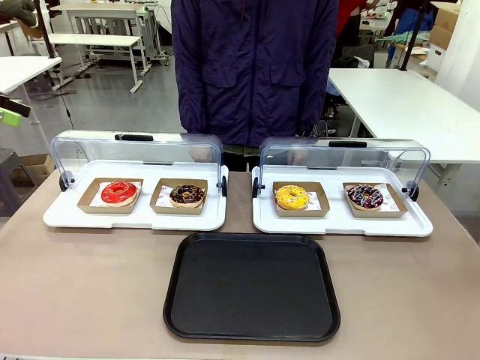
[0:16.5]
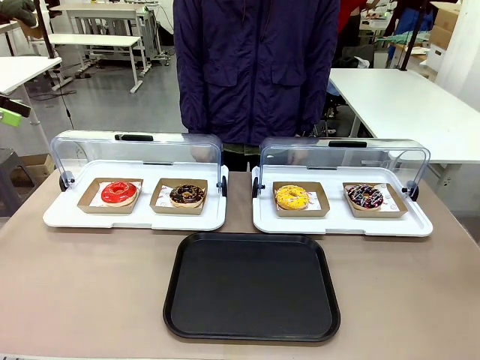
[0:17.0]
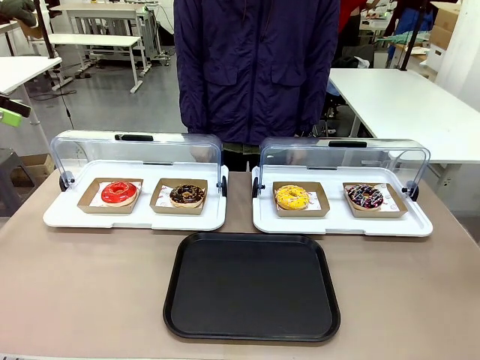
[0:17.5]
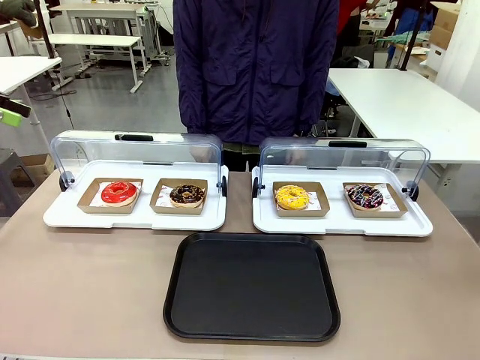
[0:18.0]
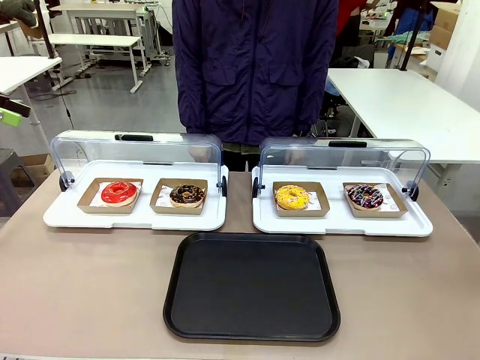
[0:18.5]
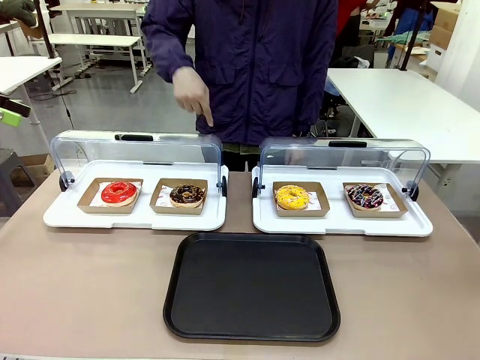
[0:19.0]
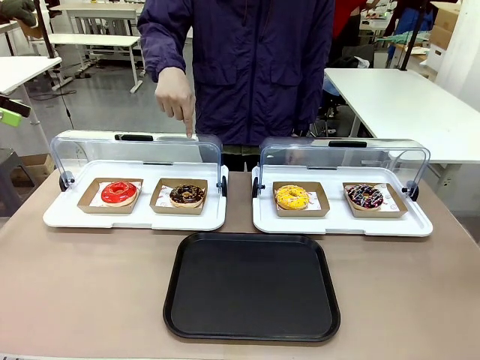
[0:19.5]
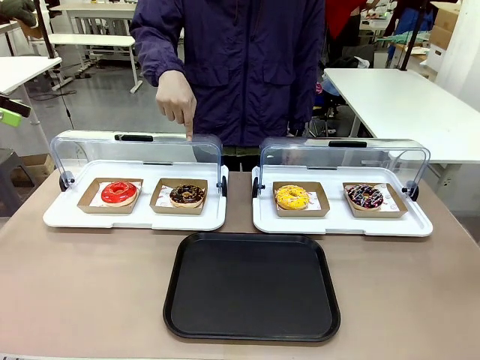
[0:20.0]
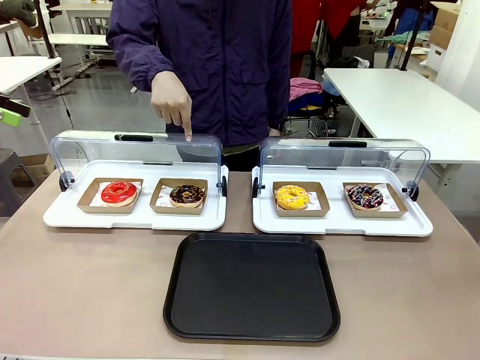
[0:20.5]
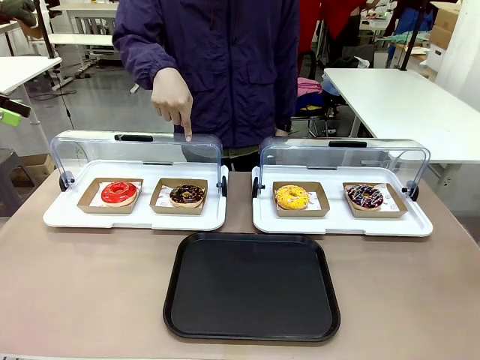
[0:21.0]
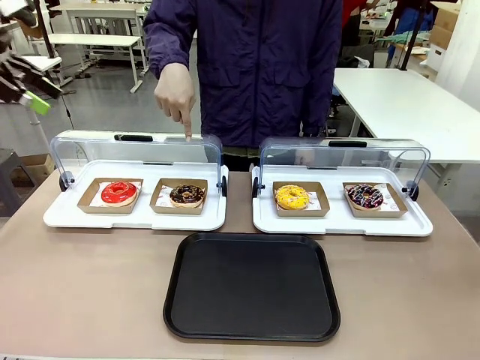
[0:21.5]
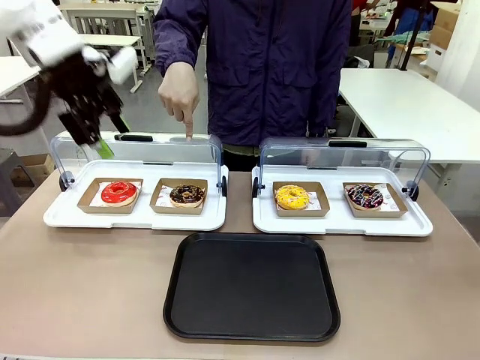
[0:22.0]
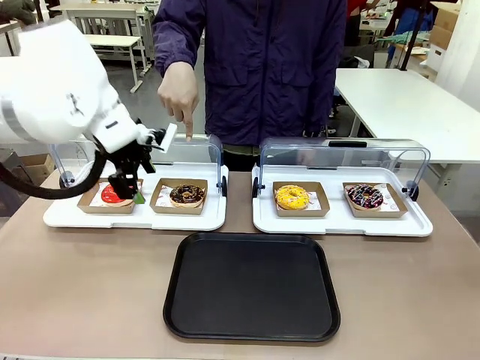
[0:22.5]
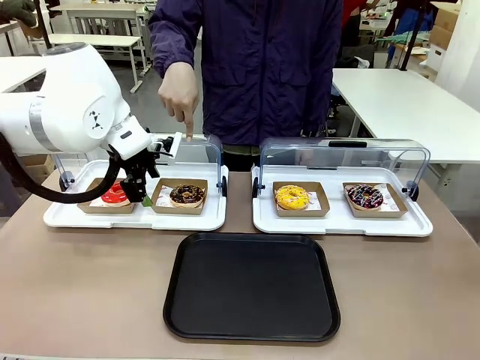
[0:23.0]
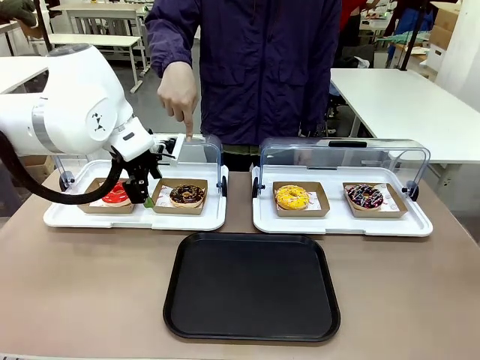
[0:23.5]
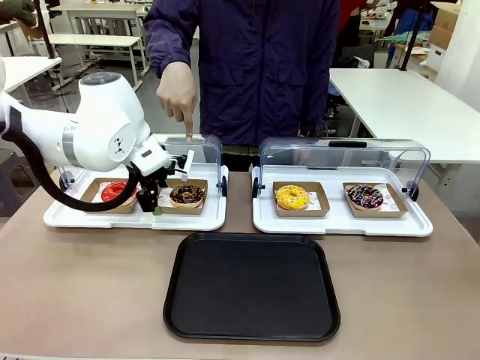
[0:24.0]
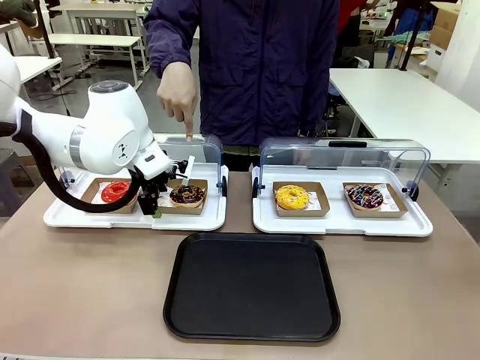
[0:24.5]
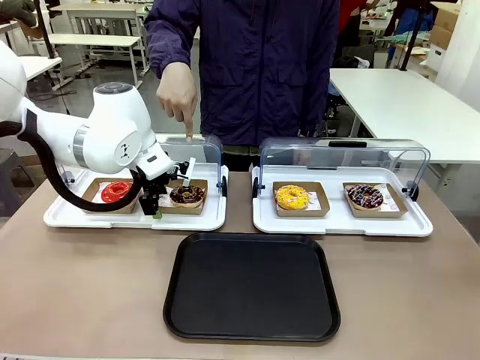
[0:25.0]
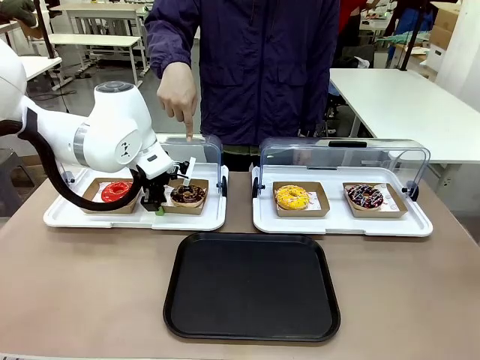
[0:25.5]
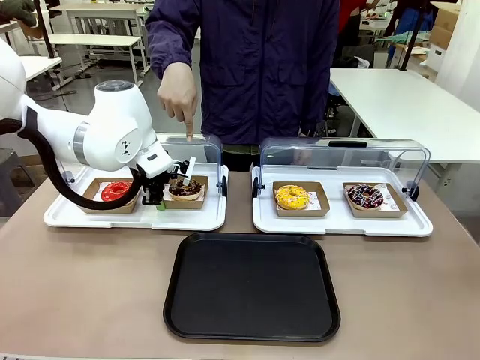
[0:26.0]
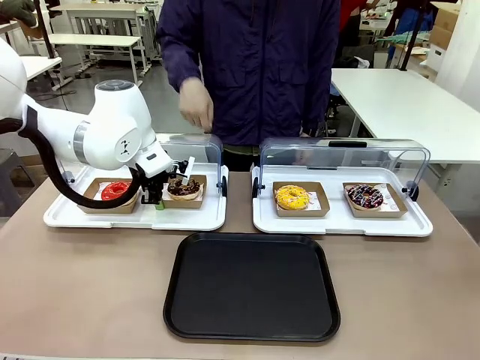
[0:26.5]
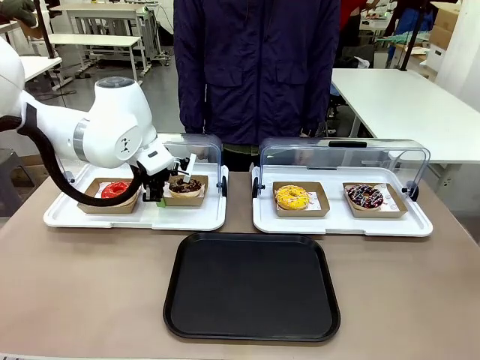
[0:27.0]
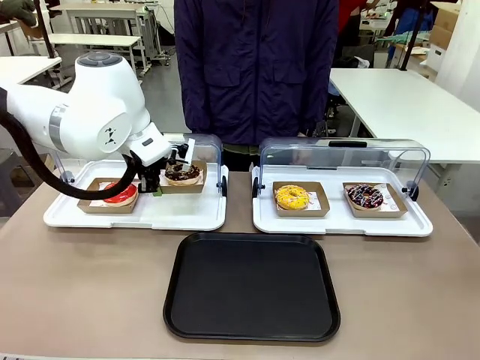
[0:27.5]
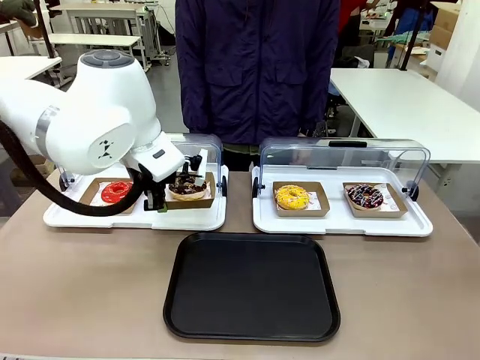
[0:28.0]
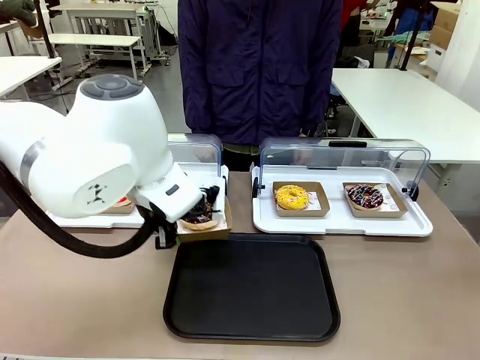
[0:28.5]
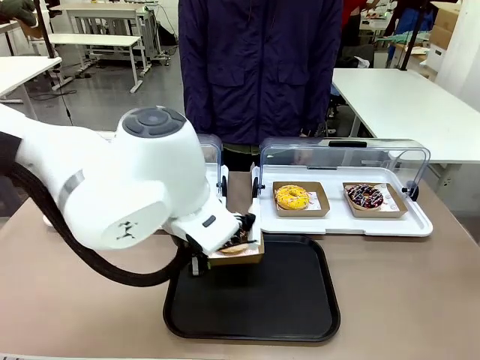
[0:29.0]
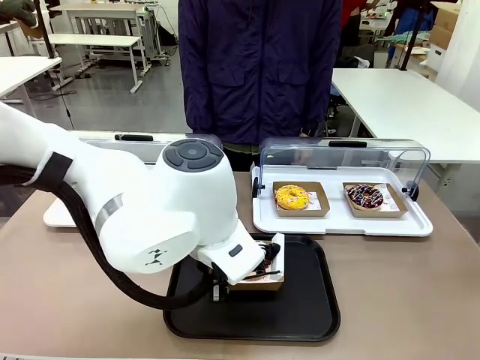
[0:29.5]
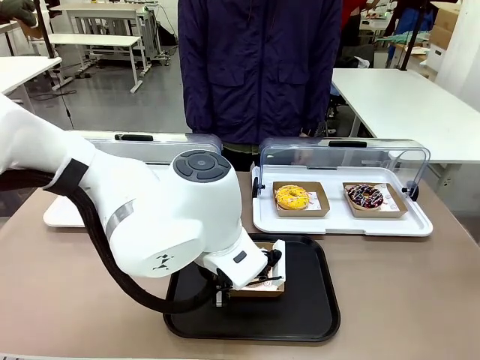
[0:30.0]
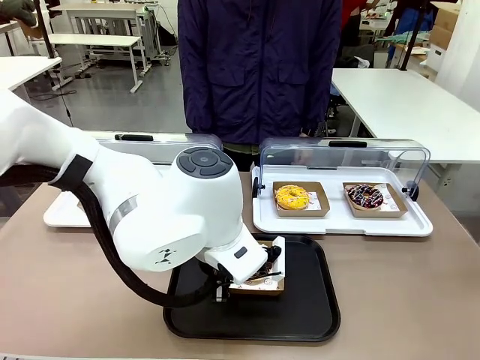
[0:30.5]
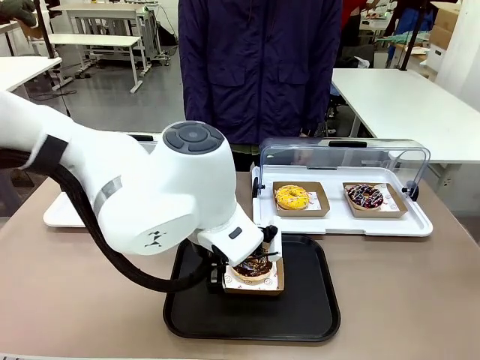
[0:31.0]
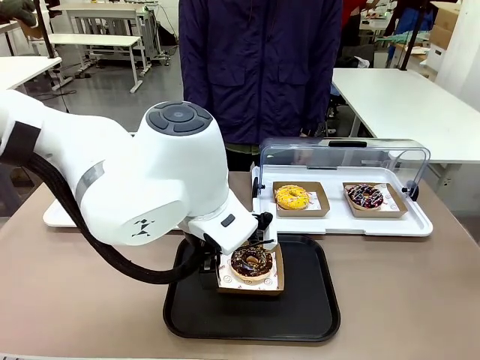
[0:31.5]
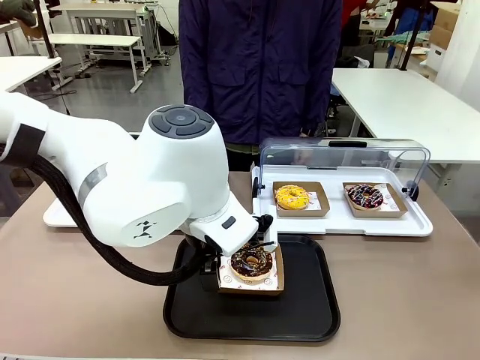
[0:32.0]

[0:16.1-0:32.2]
Task: Move the second donut from the left to the tray.
Robot: Pick up the Paper togo box containing the Donut indicated by the person and place it on the Handle tray.

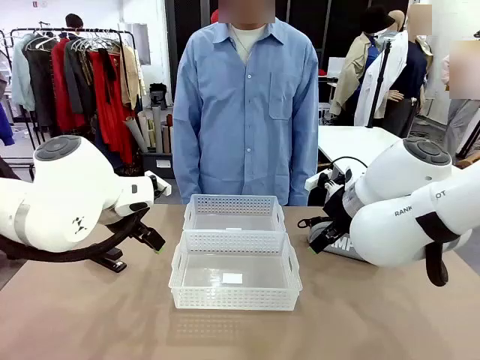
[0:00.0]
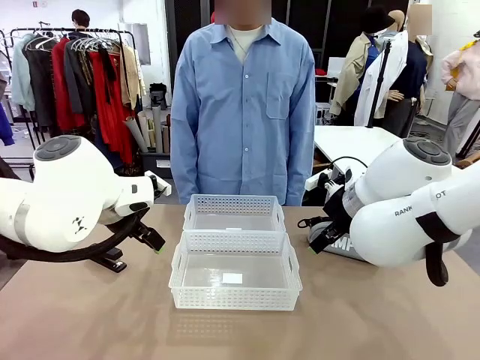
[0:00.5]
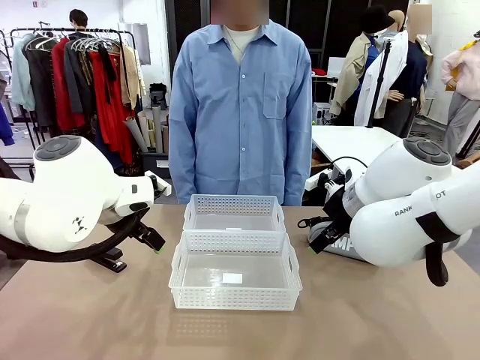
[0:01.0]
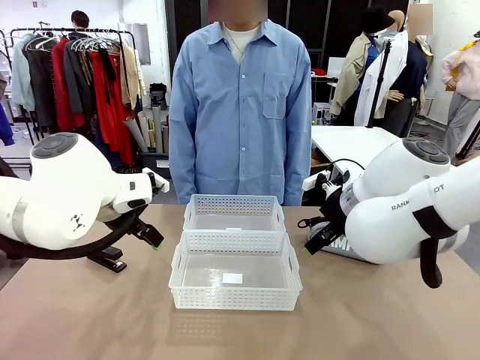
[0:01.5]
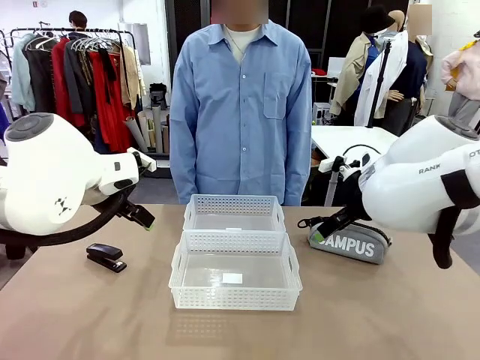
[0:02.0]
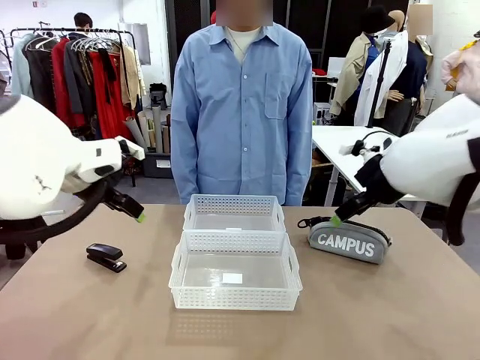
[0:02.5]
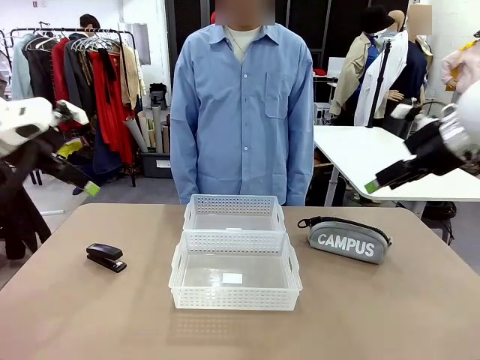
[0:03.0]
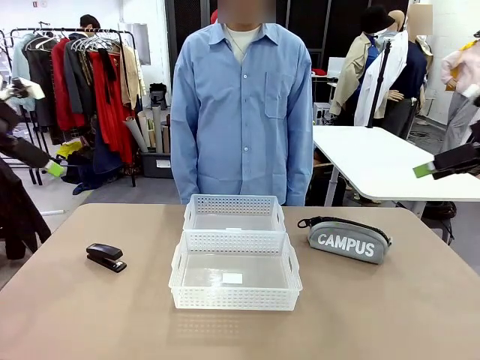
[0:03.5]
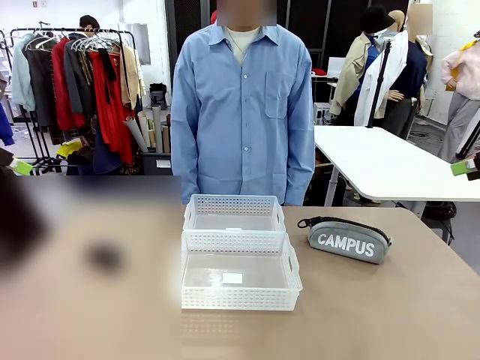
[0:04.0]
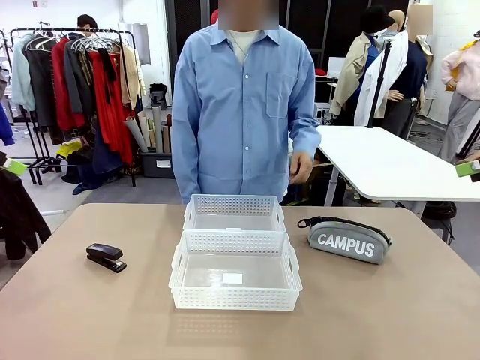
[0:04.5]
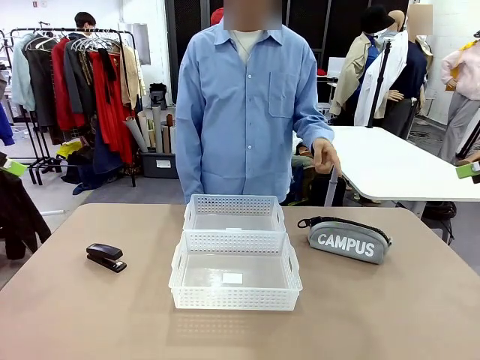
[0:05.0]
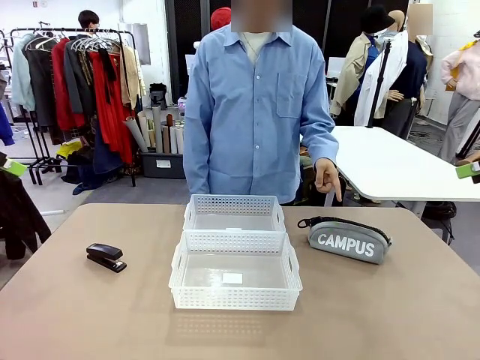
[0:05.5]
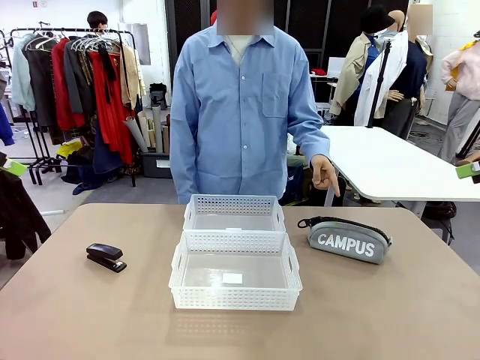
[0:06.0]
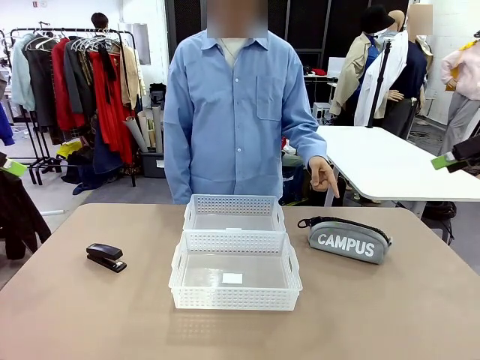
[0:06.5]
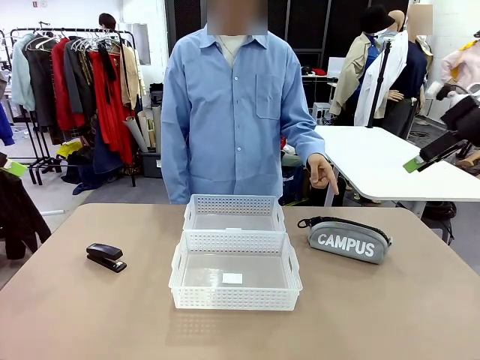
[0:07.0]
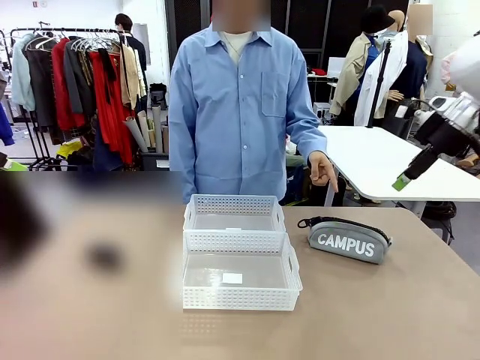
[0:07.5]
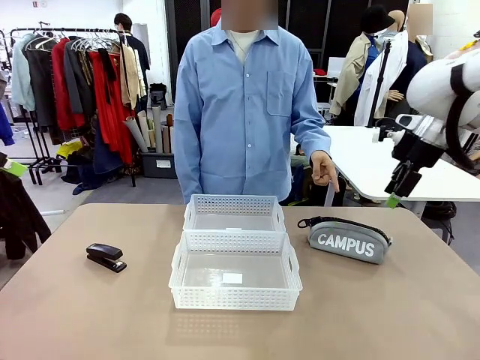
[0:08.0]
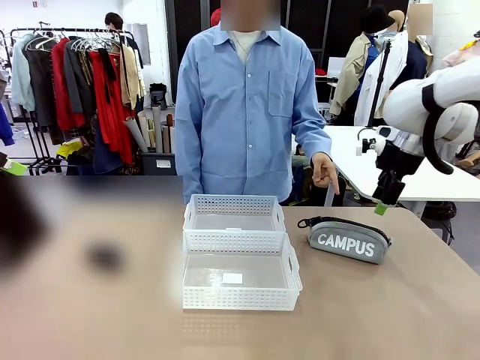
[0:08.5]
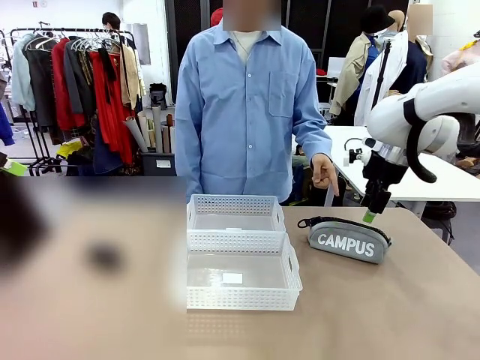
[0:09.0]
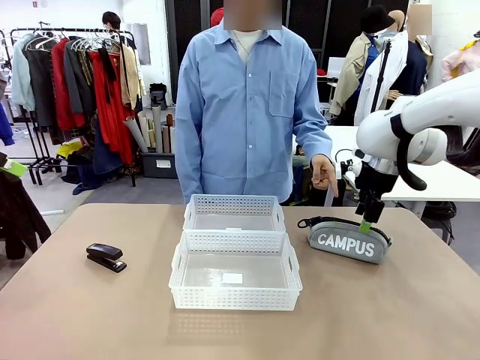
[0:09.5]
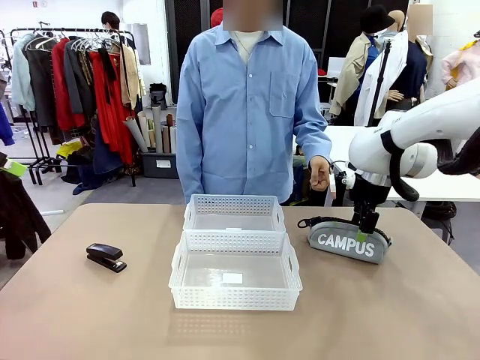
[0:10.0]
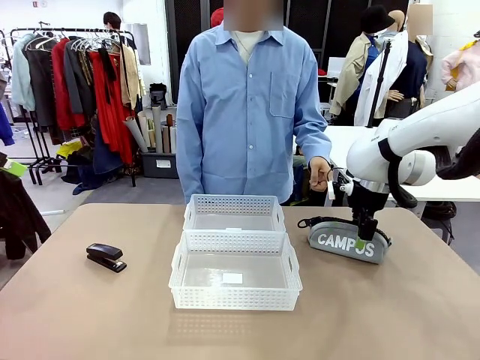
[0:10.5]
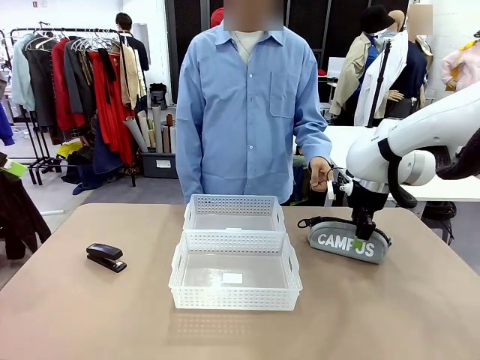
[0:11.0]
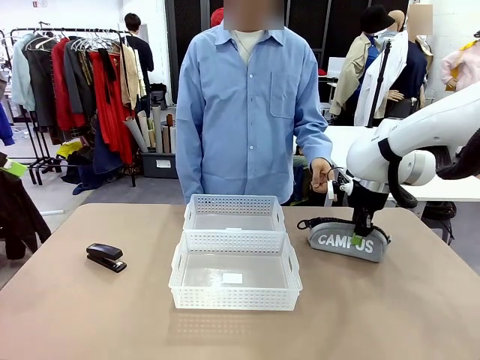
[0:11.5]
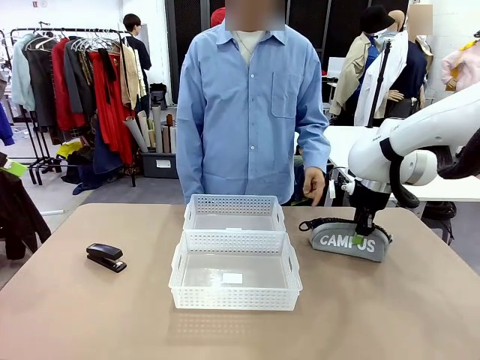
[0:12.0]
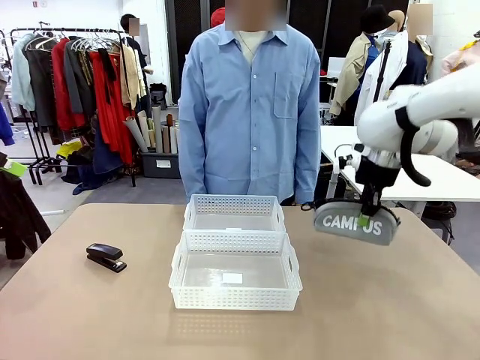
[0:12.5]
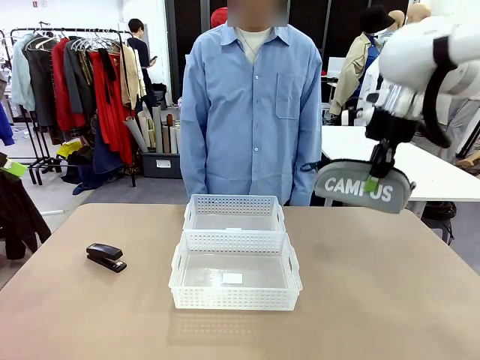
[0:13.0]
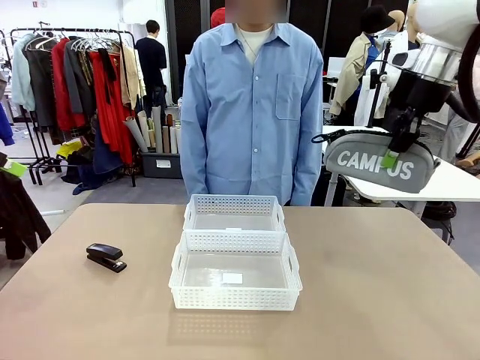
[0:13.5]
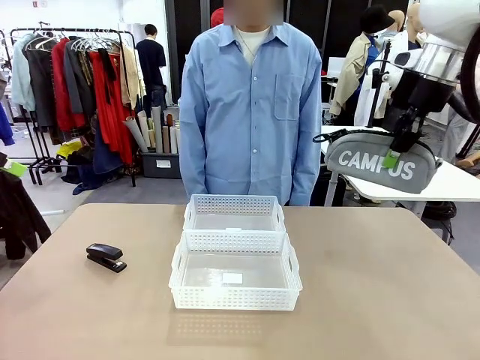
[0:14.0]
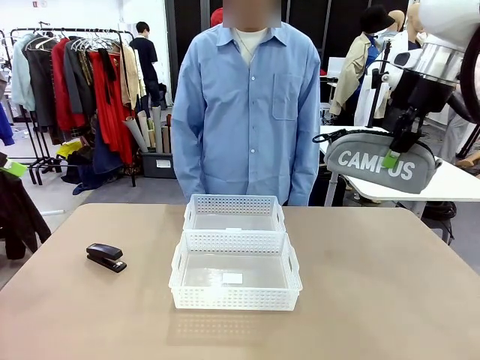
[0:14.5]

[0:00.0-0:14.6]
Task: Distribute items into two baskets.
Robot: Pick up the Pencil pouch that the person points to.
Person: Points to the pencil case. Points between the two organizing baskets and instructs the robot to move the pencil case.
